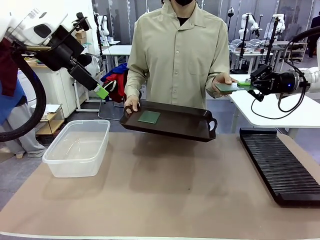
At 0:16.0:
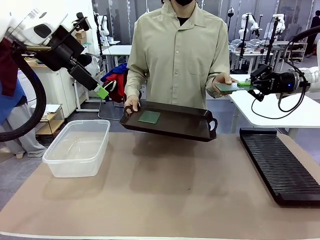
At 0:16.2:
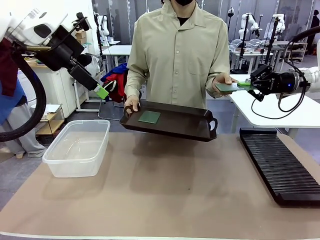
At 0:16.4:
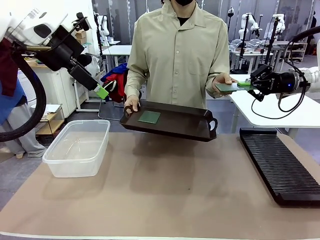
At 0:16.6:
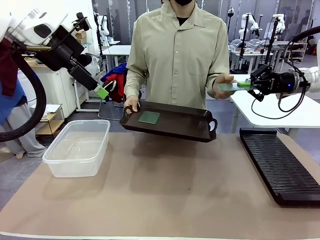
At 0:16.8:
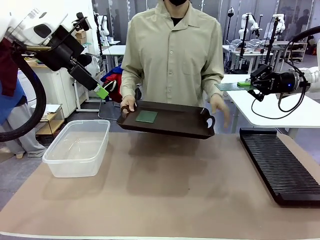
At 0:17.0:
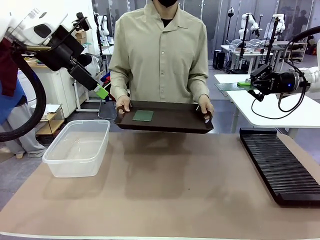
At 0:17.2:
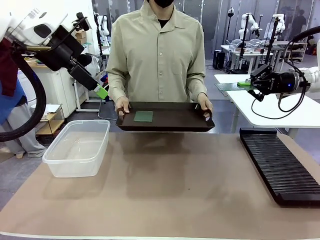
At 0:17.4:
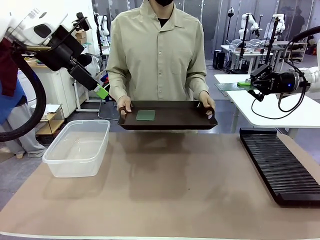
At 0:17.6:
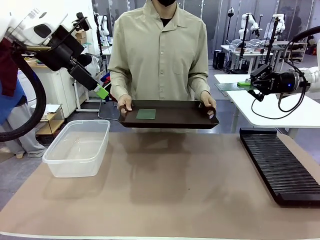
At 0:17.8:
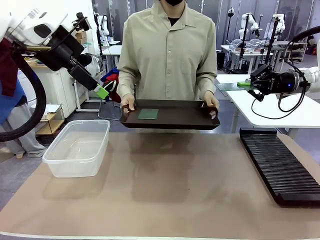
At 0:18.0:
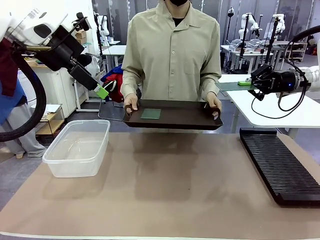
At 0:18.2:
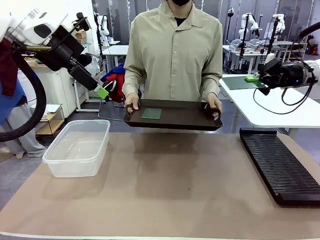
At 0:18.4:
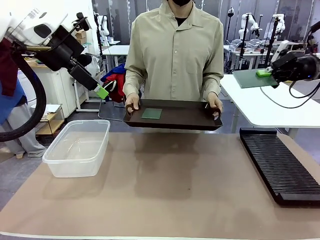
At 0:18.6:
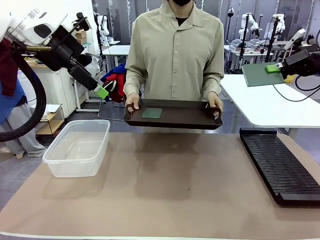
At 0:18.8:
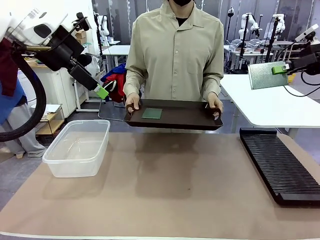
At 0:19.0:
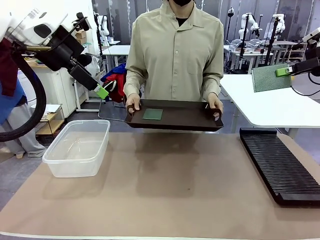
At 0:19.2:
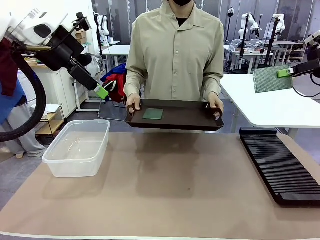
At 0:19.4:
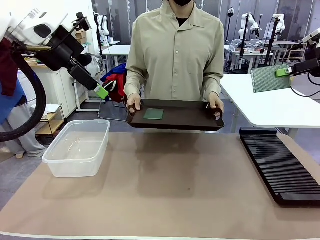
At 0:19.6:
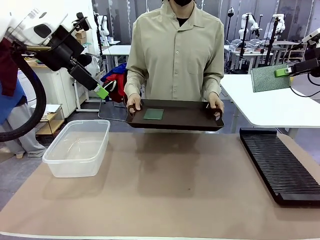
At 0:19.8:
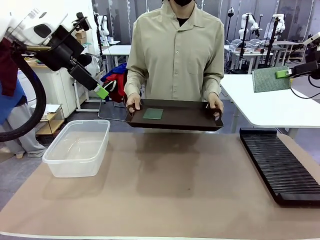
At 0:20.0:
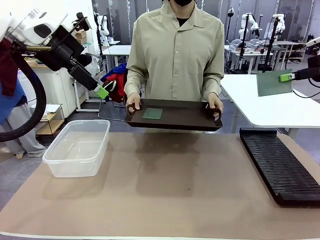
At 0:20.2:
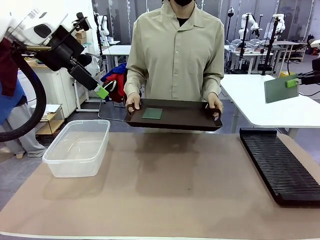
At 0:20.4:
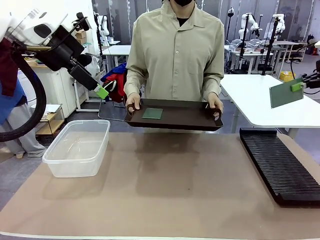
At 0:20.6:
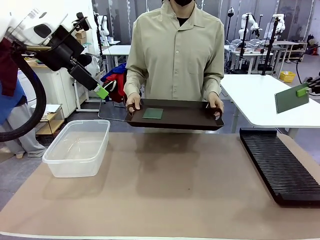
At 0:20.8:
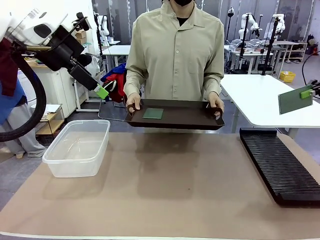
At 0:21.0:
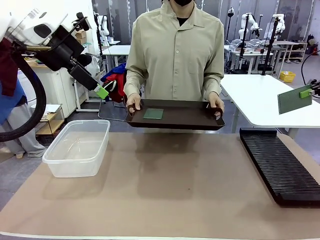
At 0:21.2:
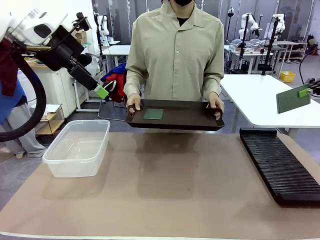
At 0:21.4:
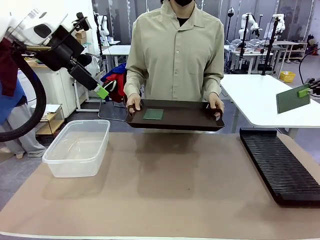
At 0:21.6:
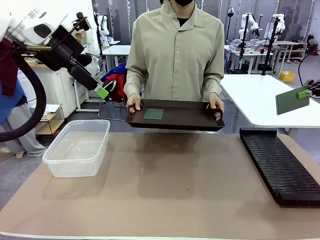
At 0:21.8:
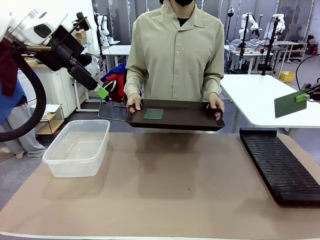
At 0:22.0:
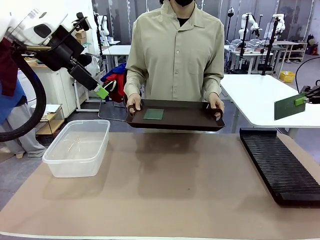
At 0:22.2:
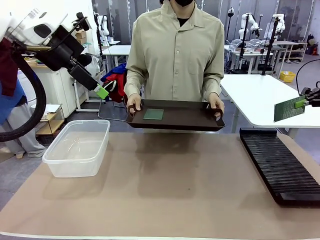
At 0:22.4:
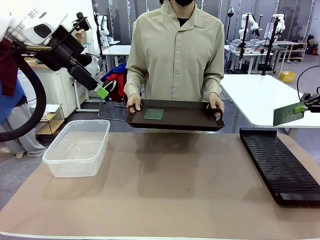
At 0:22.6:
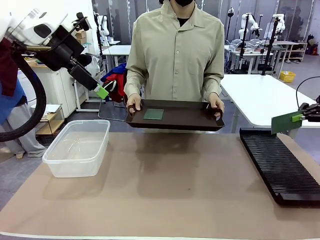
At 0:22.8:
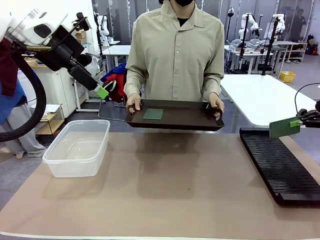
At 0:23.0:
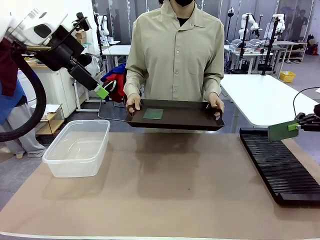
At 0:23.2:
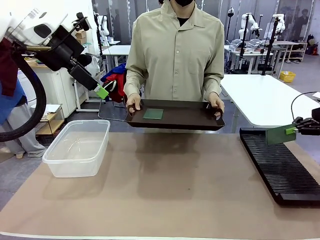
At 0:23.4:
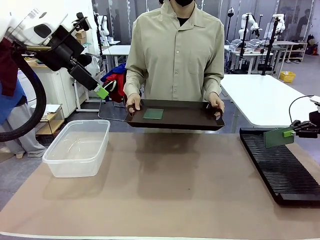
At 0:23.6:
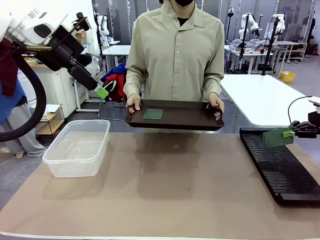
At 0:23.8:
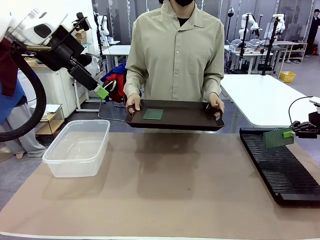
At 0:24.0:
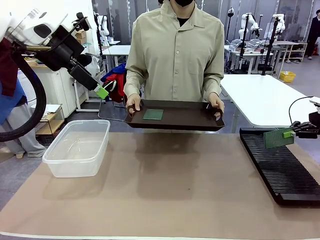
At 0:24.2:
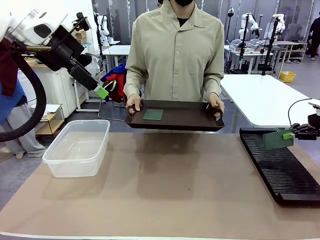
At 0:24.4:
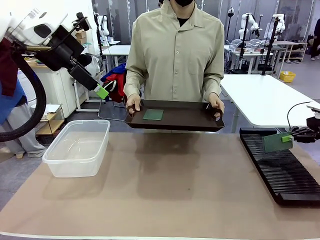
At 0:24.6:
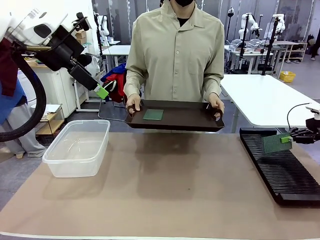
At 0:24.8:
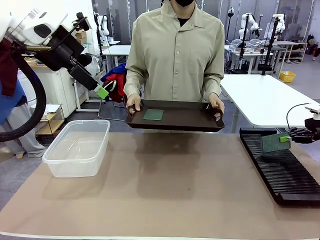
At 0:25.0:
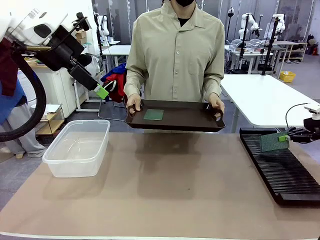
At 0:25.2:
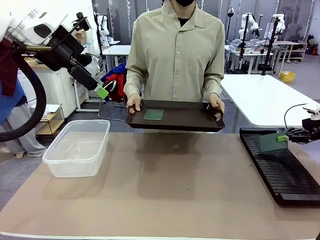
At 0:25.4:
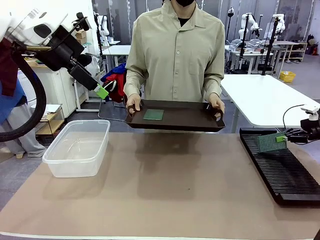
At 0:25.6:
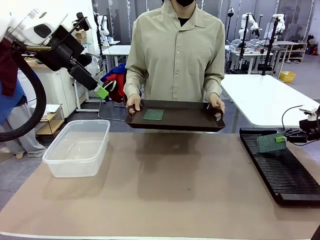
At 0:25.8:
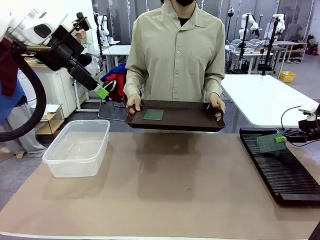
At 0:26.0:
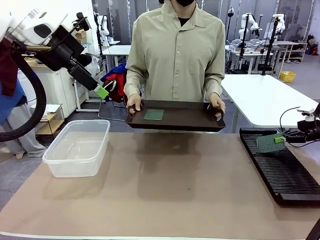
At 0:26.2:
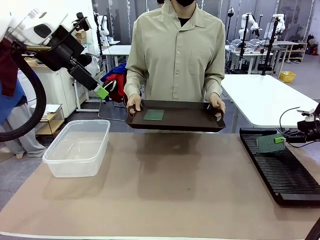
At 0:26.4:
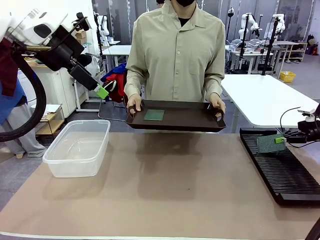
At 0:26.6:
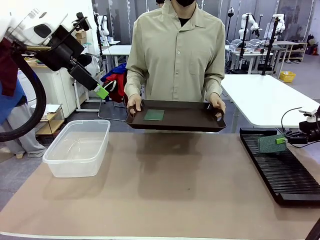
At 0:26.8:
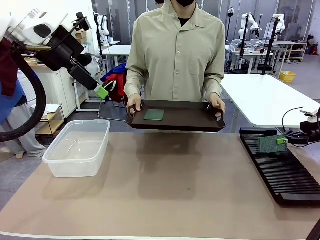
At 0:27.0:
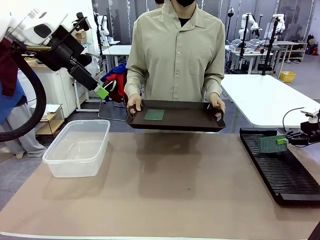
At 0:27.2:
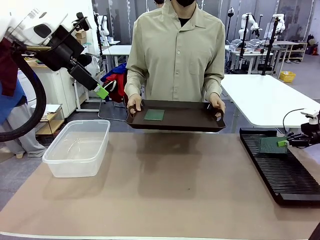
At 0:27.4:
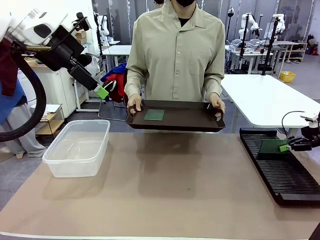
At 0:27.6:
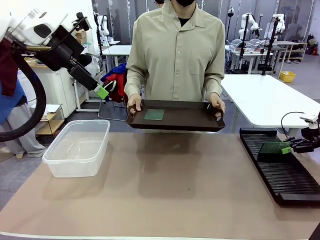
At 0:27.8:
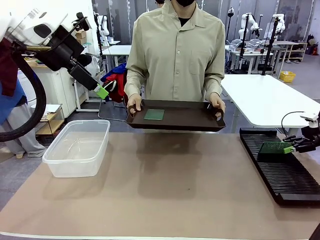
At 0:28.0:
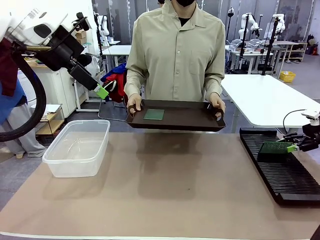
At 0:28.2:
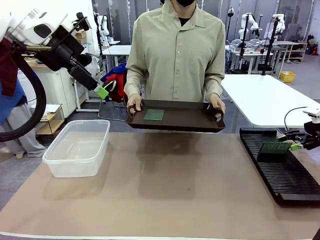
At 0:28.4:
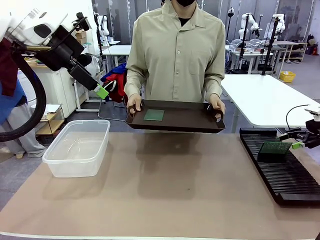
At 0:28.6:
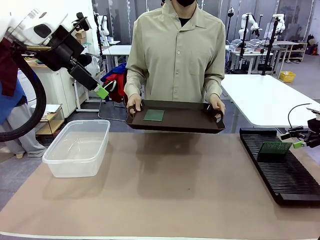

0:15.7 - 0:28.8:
Task: Sort PCBs into racks and boxes based on the side picked up.
Robot: If the short side of the Blank PCB is picked up, insert it into the PCB Rack ; if the long side is picked up, place it in the Organizing box.
Person: Pick one PCB from the tray and present it to the robot.
